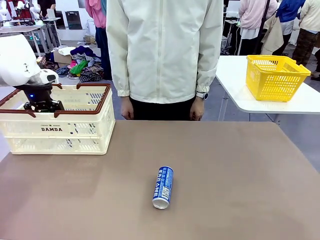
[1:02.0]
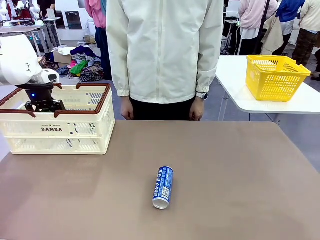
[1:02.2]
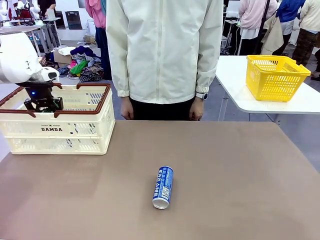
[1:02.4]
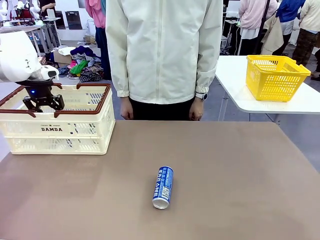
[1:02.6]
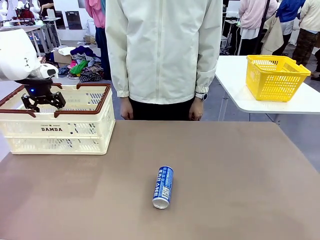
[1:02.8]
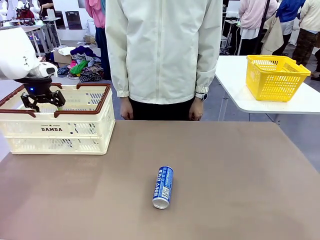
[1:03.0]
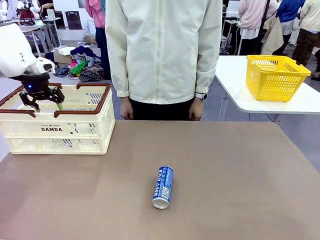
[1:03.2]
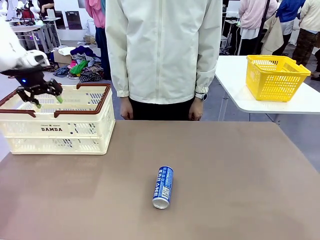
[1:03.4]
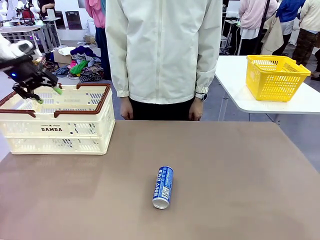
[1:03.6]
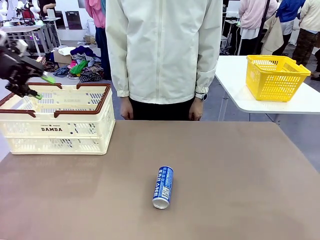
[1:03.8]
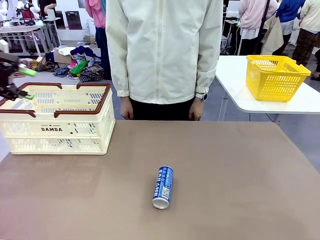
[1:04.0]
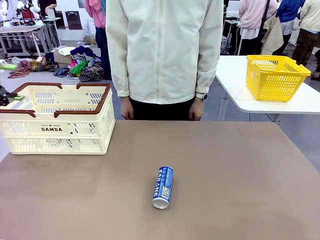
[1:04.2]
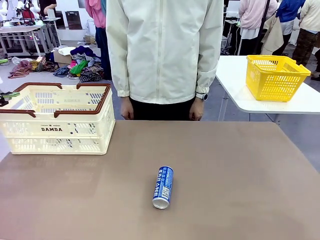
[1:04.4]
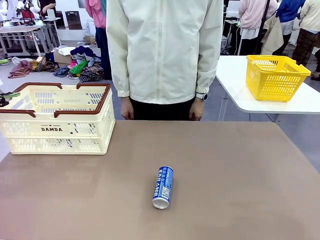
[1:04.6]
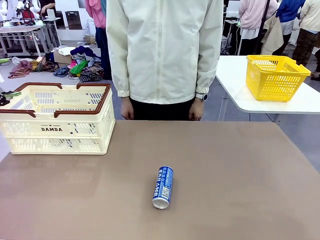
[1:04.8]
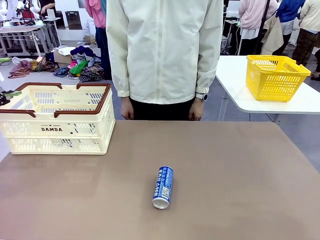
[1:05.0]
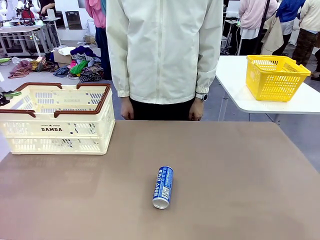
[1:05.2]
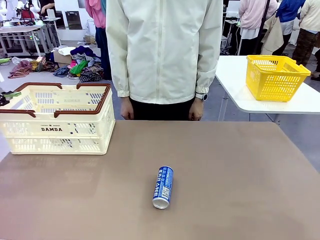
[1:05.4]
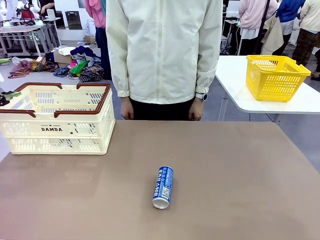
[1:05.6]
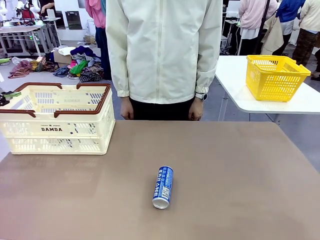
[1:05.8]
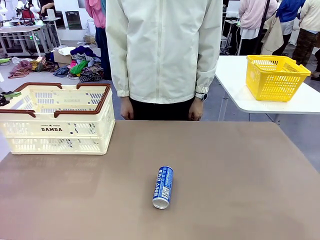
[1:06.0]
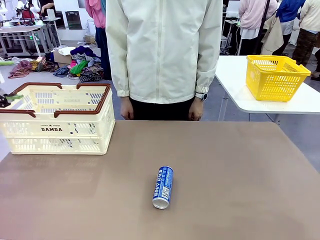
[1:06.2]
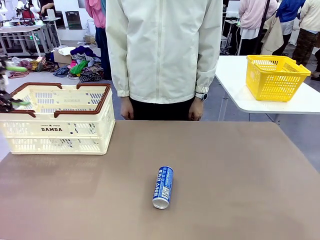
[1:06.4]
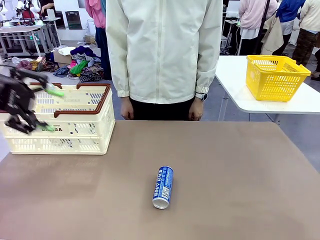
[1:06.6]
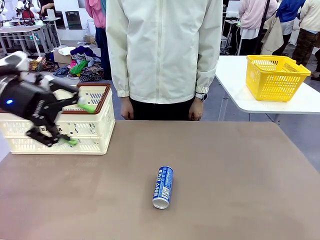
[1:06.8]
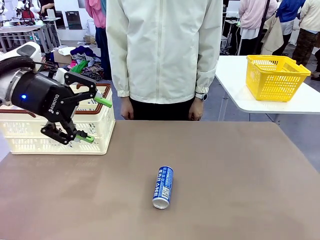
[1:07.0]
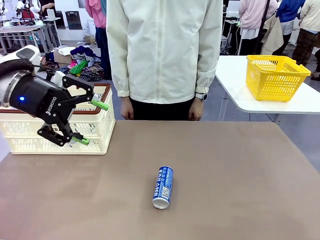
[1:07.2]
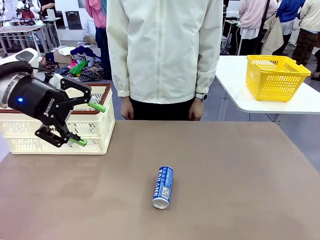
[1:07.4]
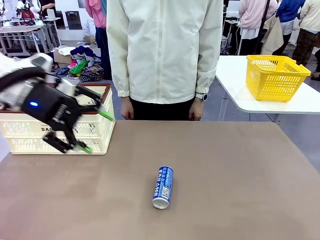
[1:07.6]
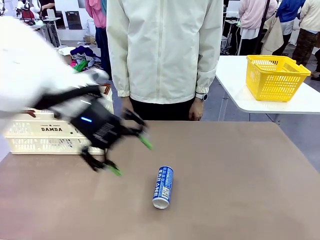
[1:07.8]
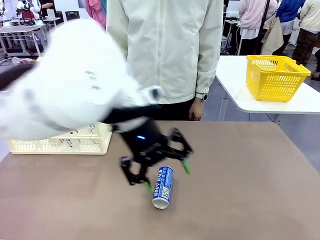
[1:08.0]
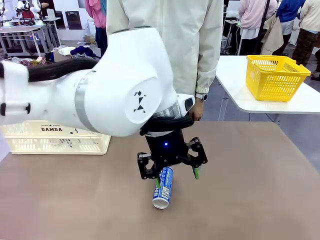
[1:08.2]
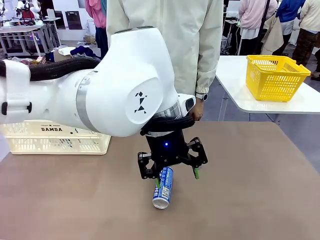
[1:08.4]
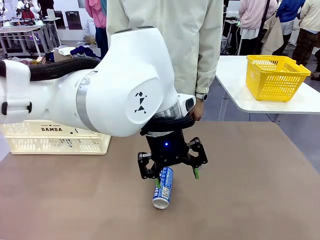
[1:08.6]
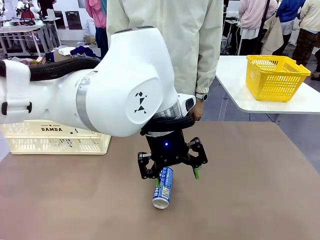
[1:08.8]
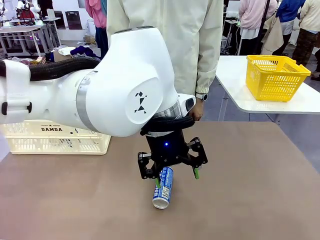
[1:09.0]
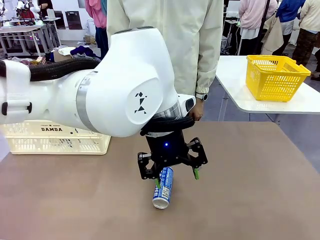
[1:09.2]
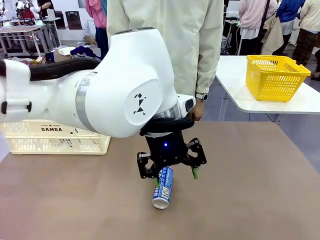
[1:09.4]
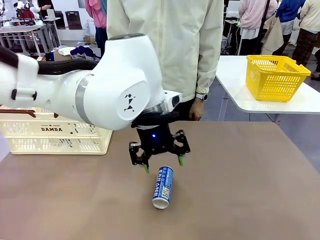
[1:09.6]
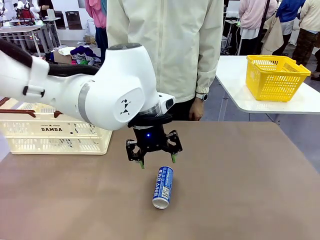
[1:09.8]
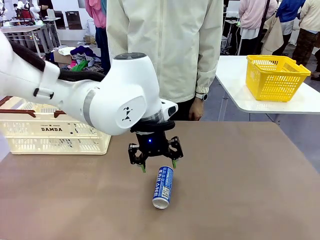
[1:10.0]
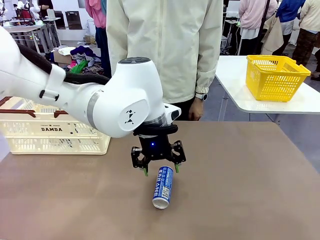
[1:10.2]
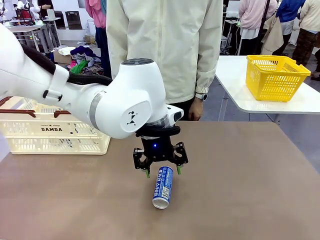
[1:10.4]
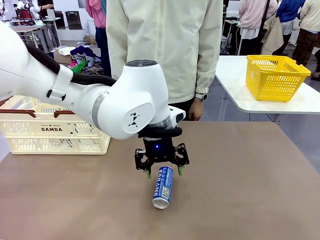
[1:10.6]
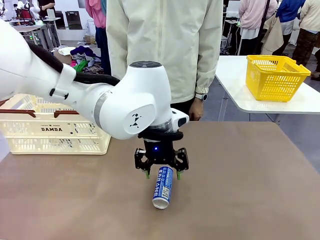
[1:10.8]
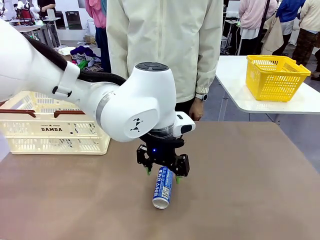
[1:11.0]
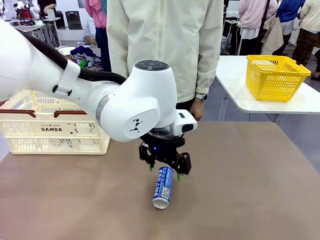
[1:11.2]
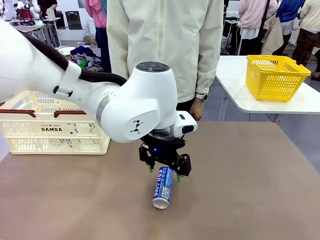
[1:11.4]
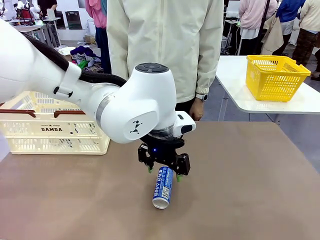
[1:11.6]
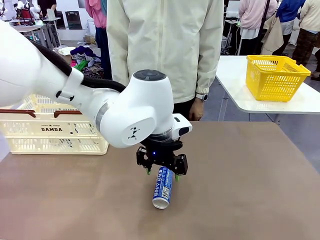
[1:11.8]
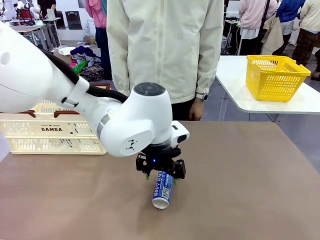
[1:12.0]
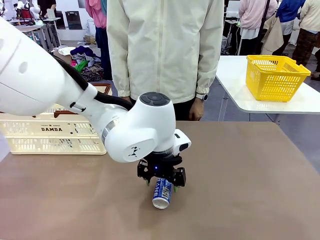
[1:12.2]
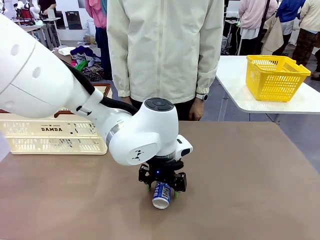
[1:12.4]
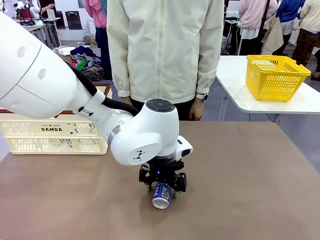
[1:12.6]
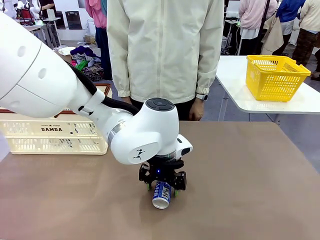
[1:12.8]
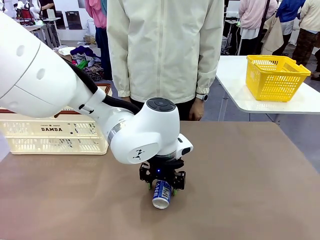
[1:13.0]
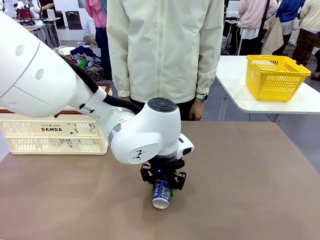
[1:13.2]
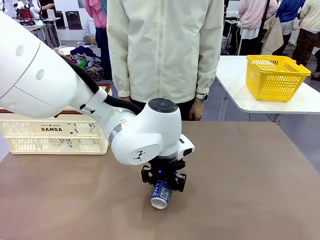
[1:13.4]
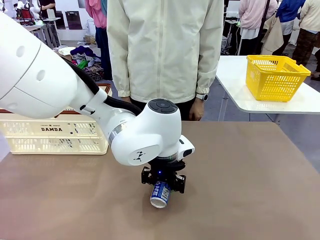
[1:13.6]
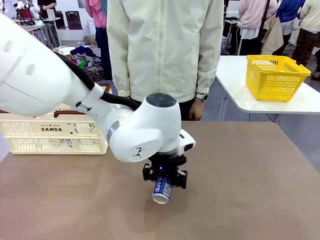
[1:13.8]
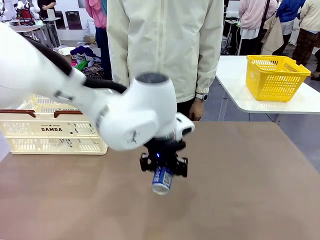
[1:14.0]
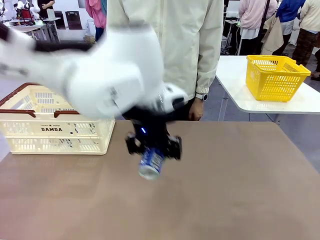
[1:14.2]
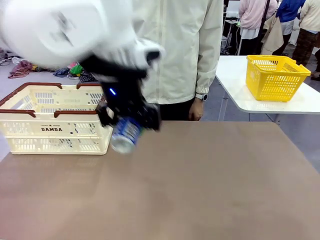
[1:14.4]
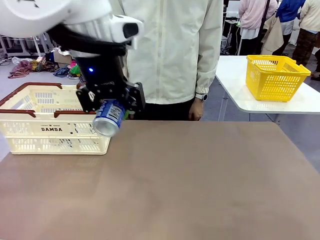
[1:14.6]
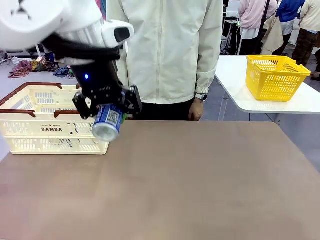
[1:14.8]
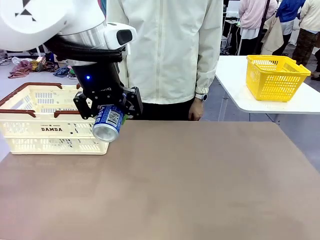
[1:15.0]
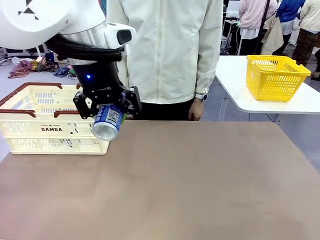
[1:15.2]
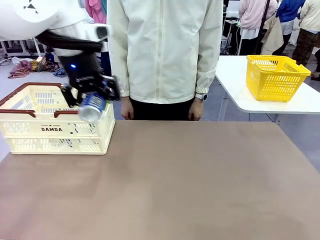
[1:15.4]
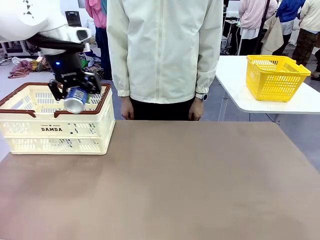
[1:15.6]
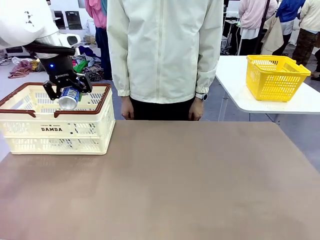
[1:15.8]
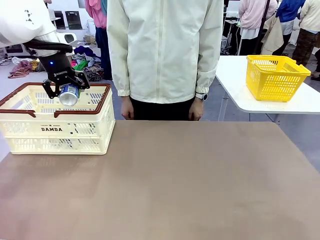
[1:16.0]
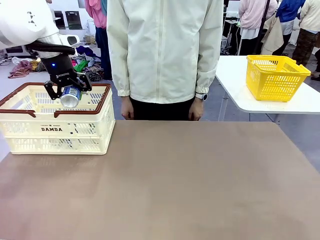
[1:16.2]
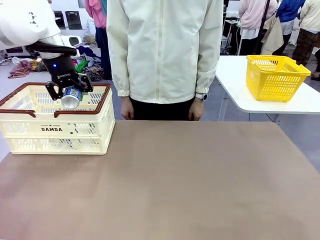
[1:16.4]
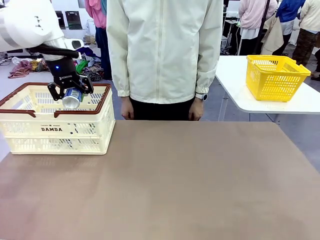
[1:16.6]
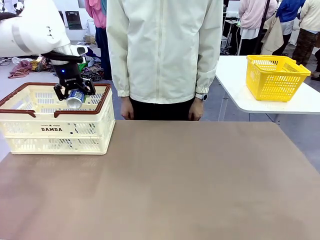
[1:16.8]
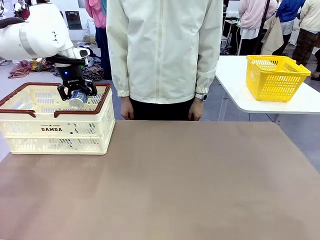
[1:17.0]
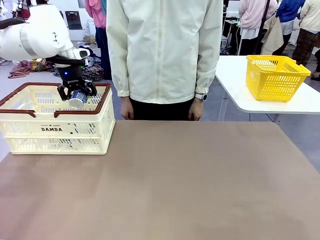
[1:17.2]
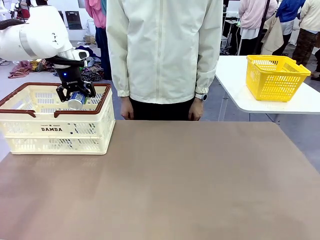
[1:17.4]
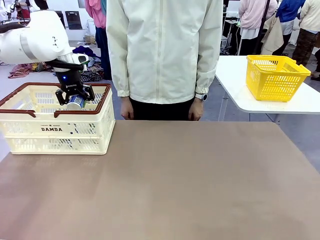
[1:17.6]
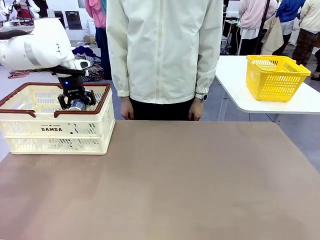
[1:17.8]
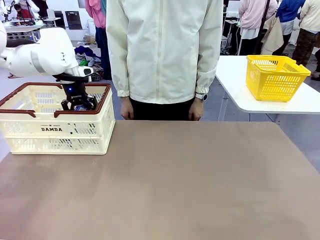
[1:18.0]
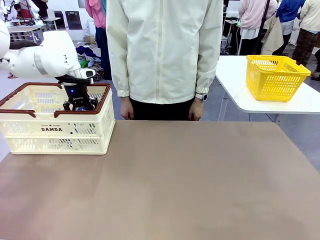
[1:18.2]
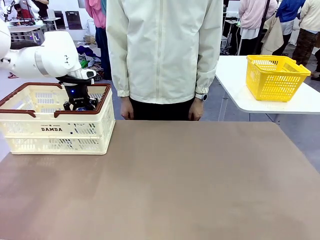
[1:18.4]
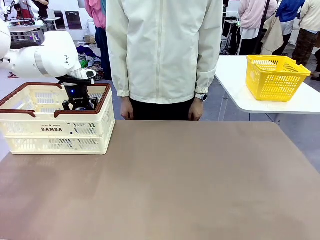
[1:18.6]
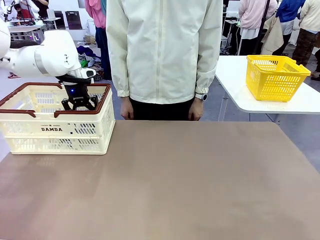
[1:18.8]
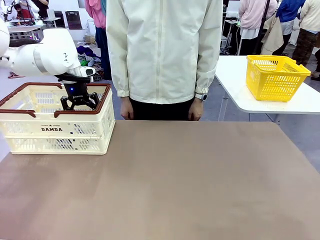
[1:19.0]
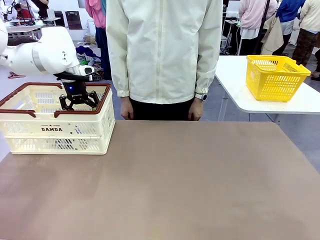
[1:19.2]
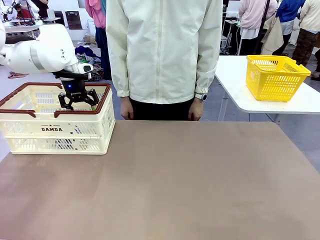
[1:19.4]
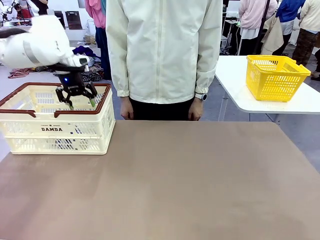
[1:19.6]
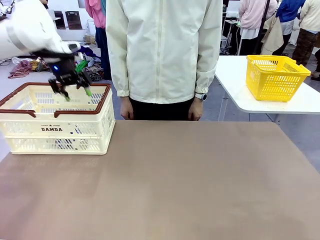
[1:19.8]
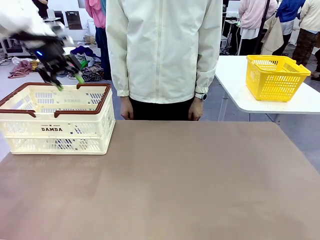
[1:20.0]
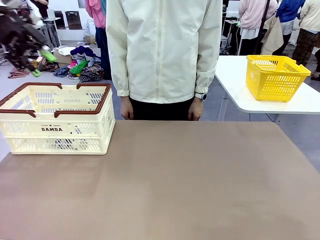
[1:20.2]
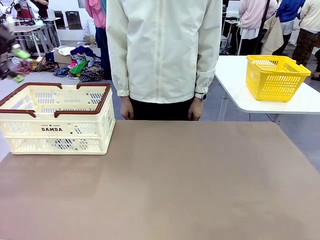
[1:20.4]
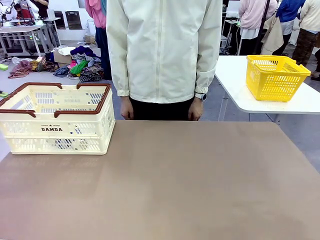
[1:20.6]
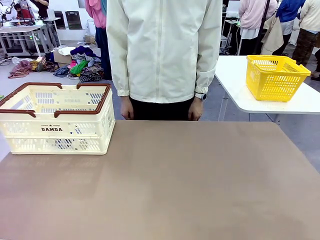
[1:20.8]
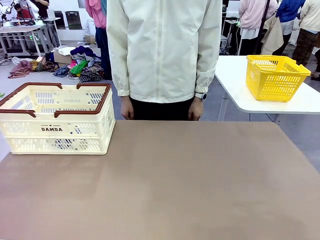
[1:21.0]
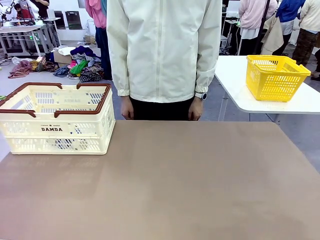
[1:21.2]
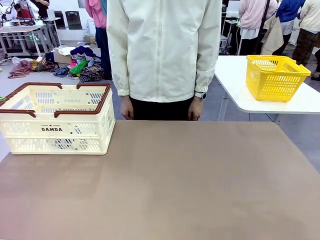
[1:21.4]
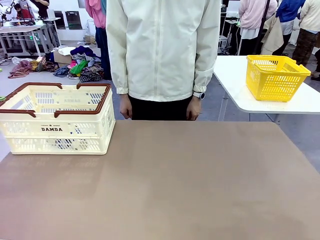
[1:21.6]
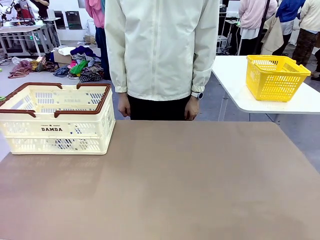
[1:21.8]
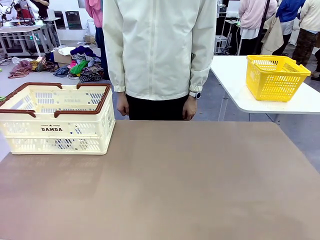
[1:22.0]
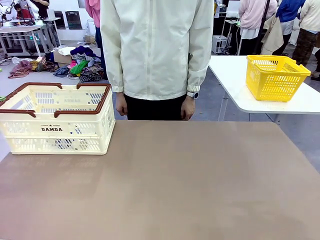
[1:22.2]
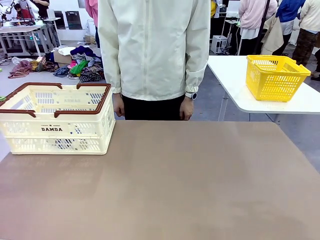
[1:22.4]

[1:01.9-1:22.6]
Task: Place the drinks into the Shopping basket.
Robot: Pick up one drink and place it into the Shopping basket.
